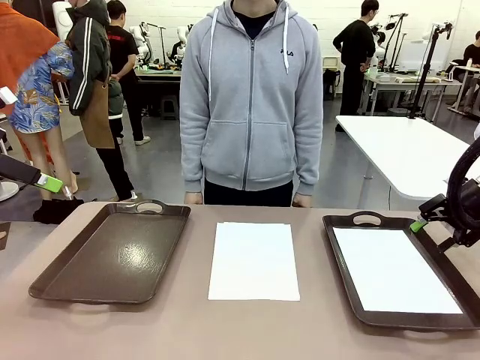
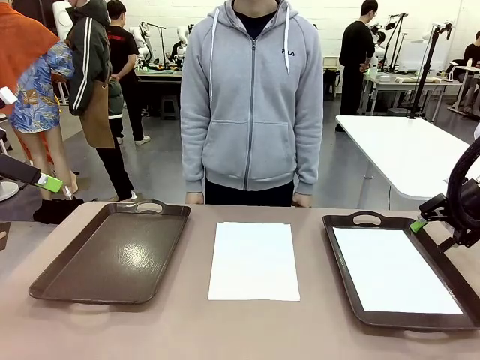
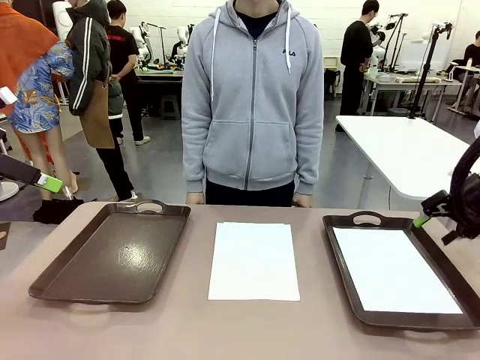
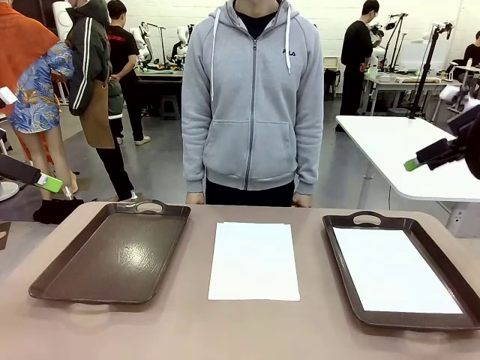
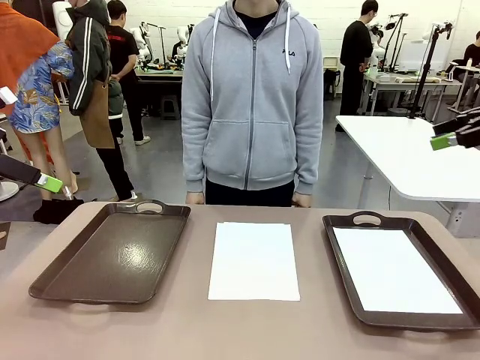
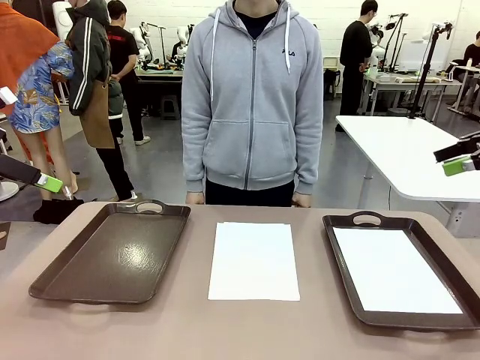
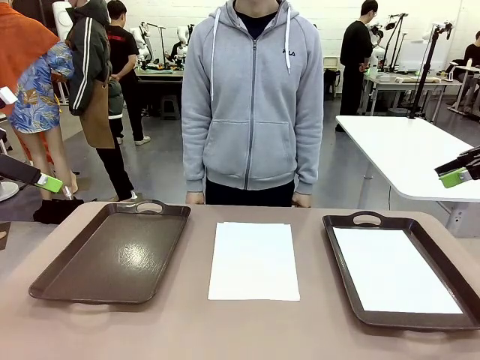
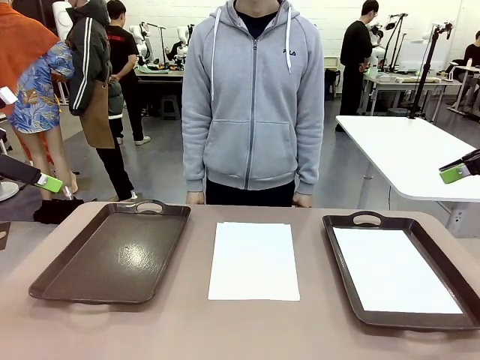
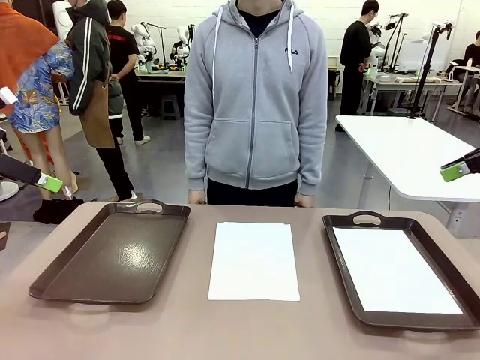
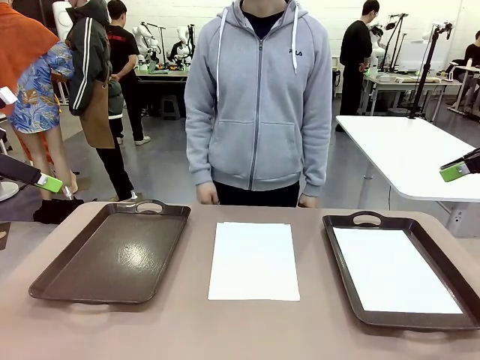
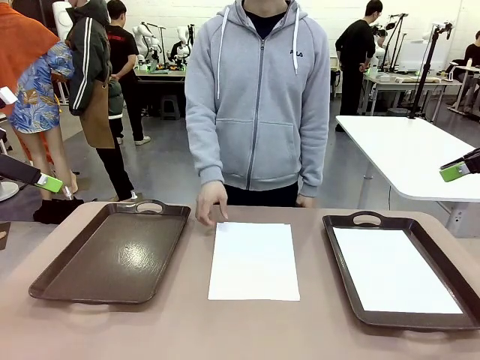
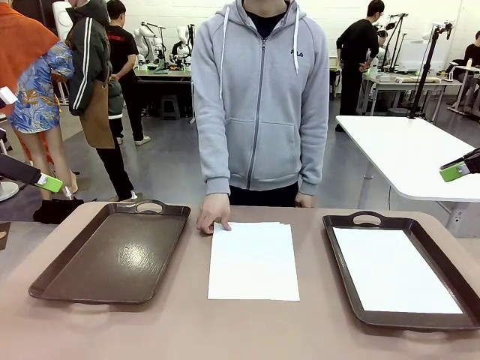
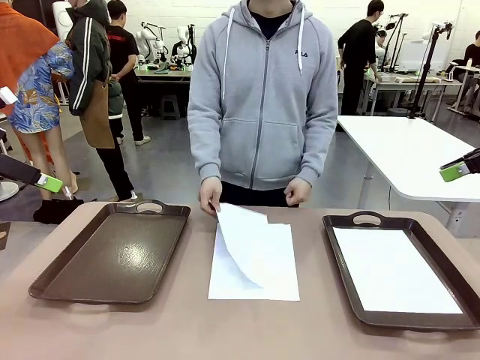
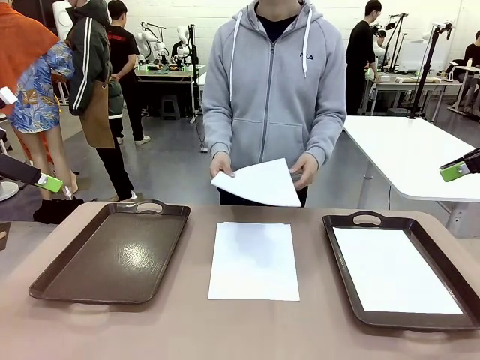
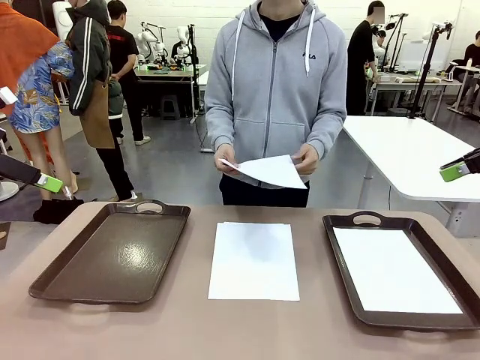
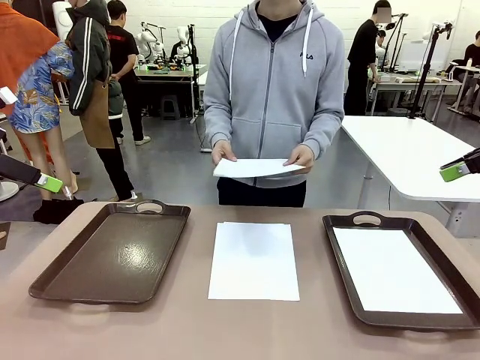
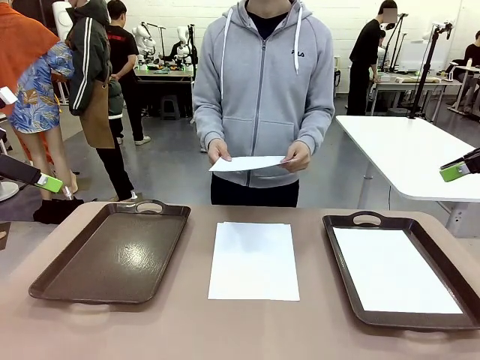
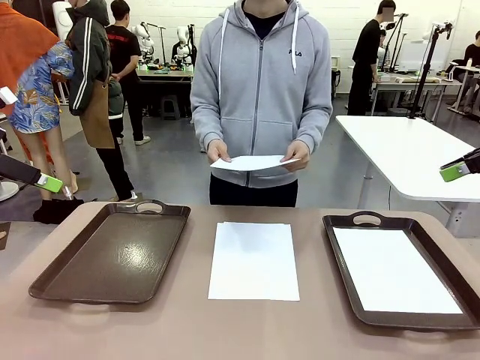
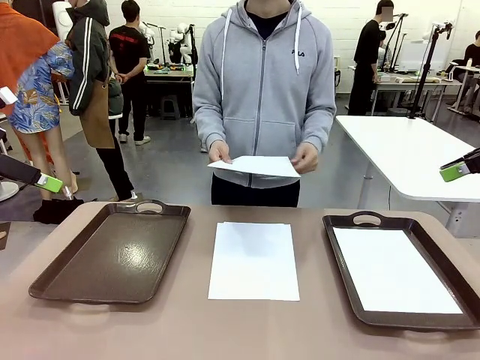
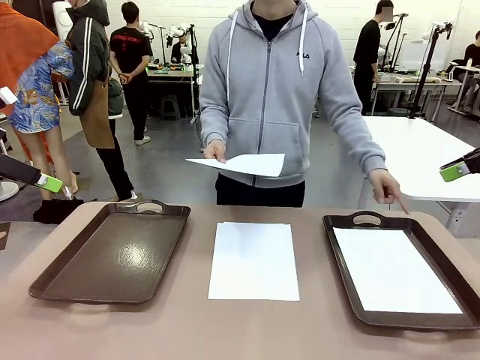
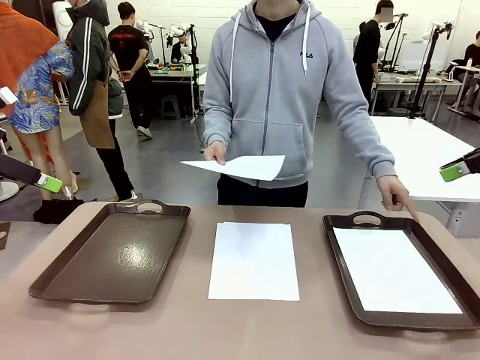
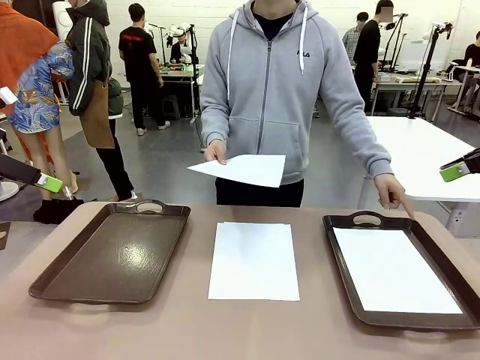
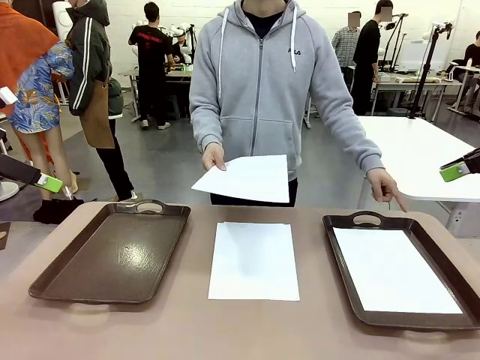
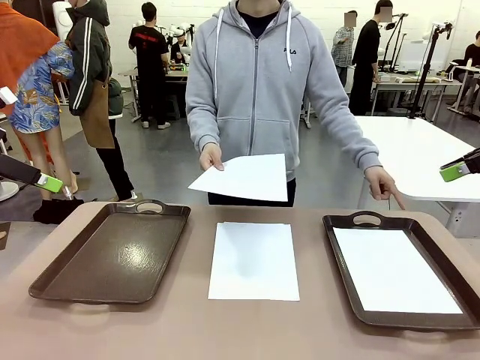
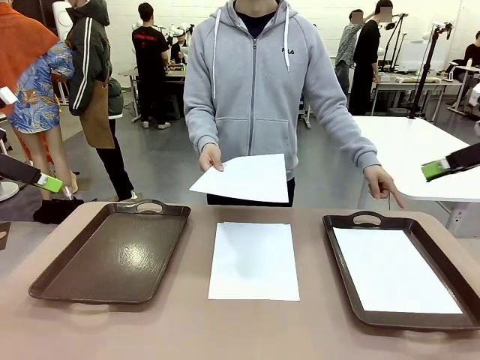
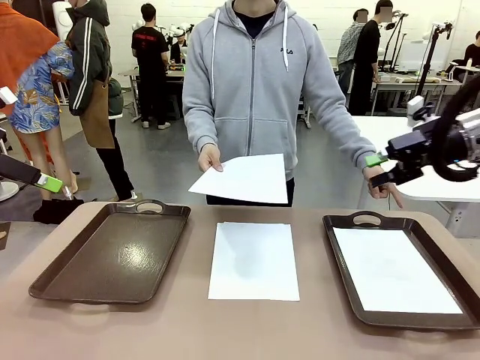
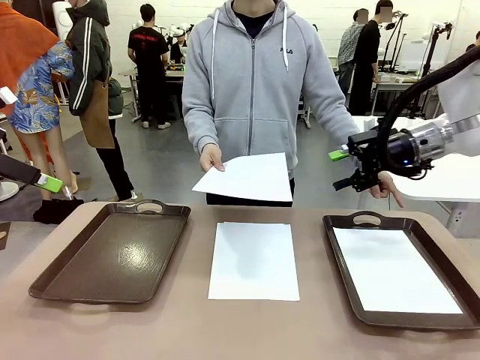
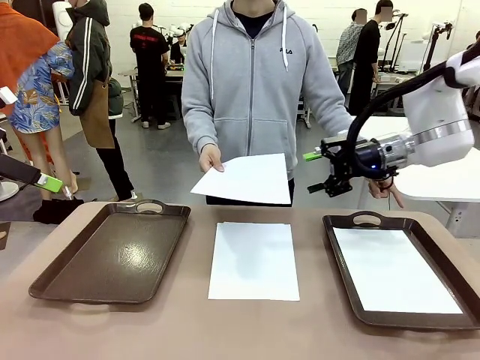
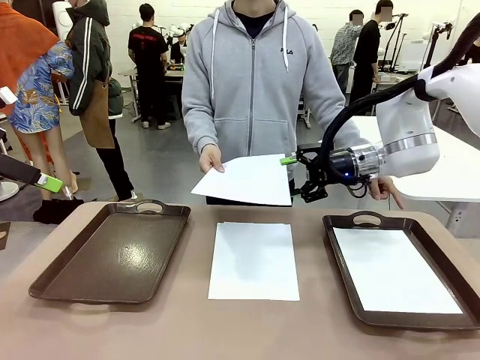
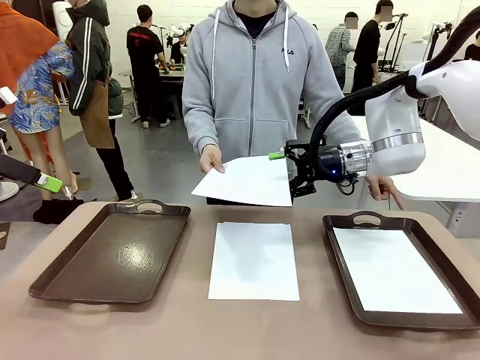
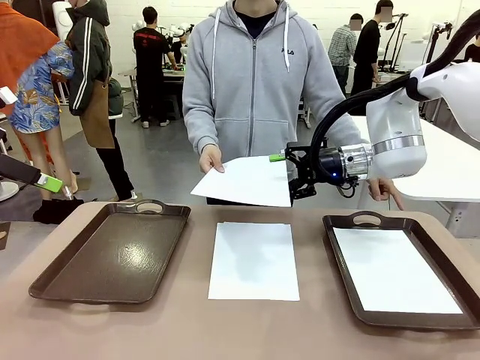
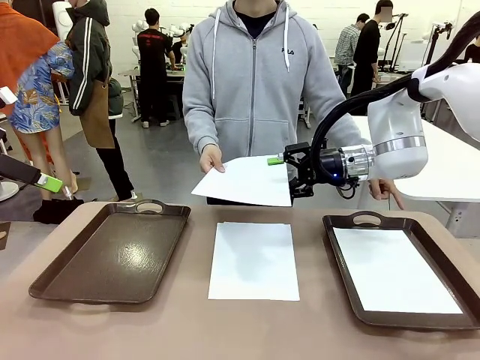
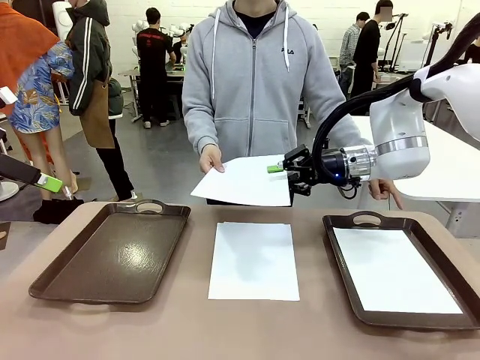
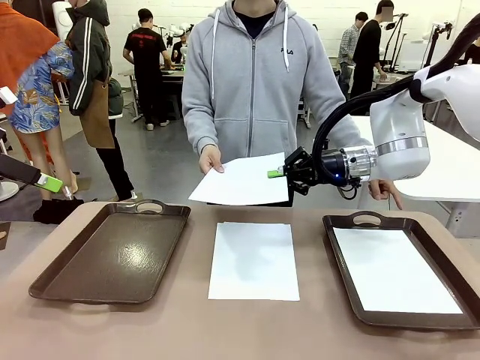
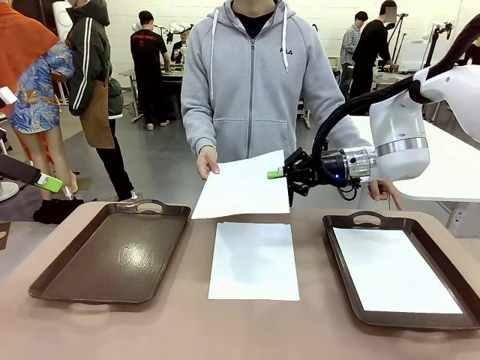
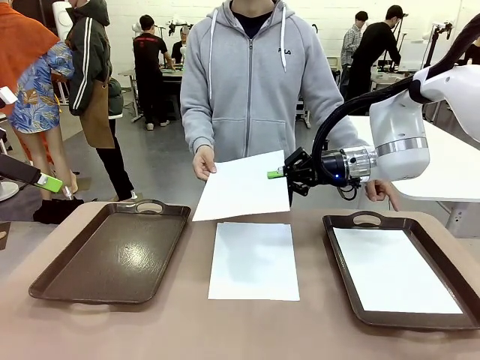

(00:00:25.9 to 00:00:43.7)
Task: Sort the A4 documents.
Robot: Receive the A4 Paper.
Person: Point the randomly selected tray with the other hand.

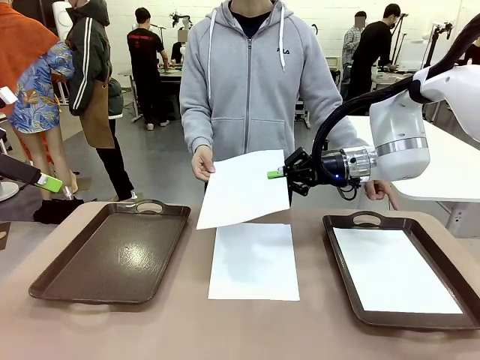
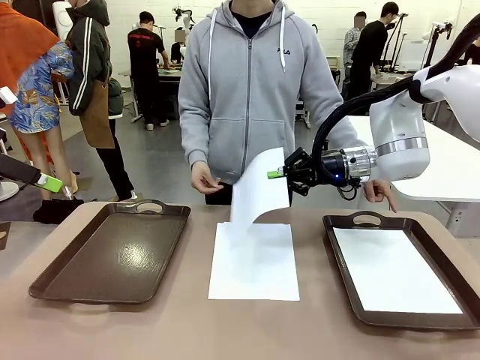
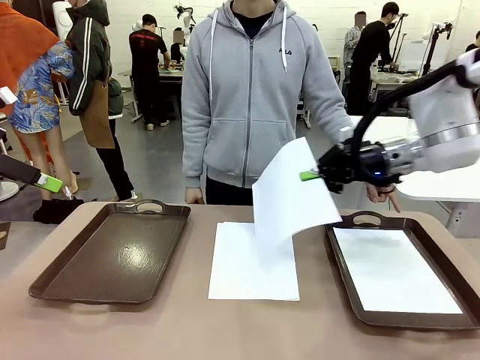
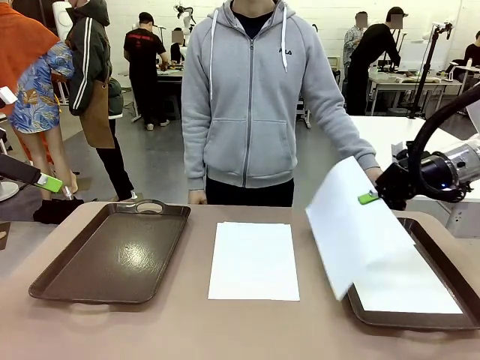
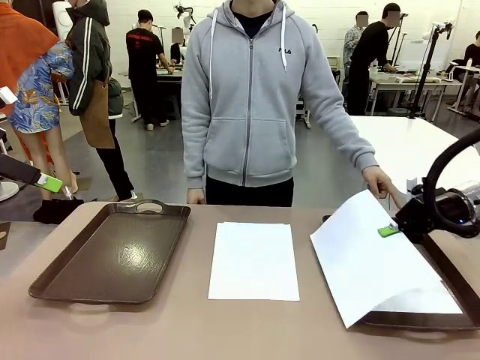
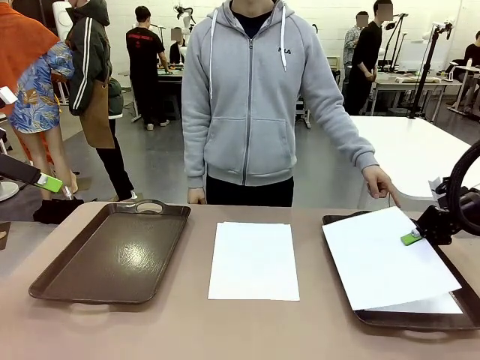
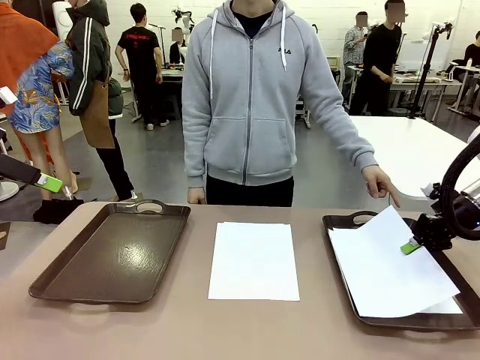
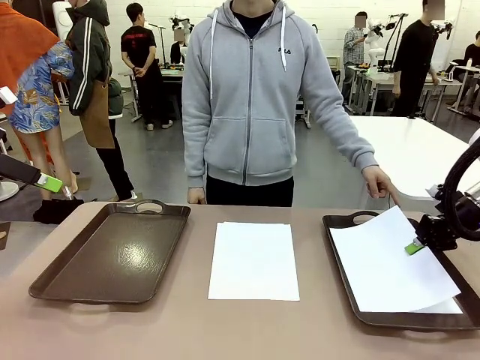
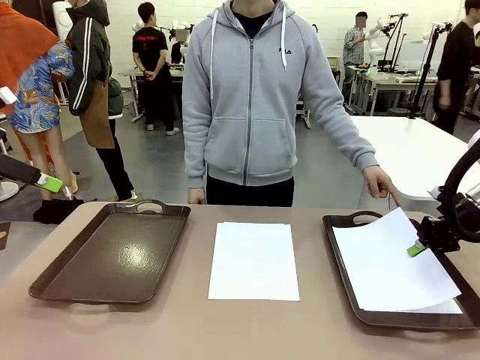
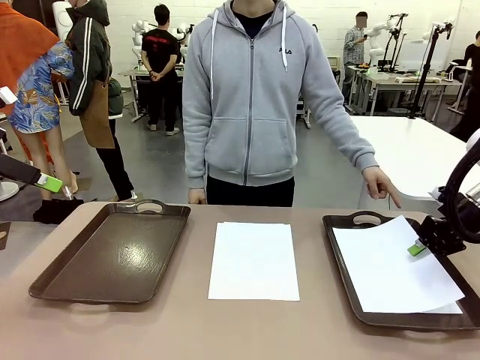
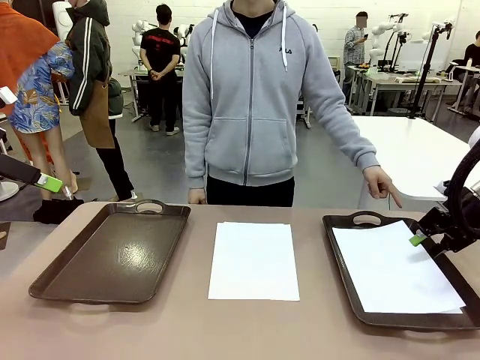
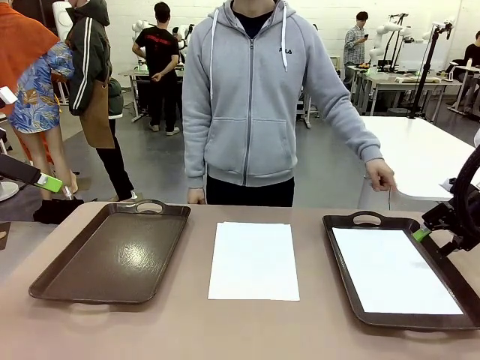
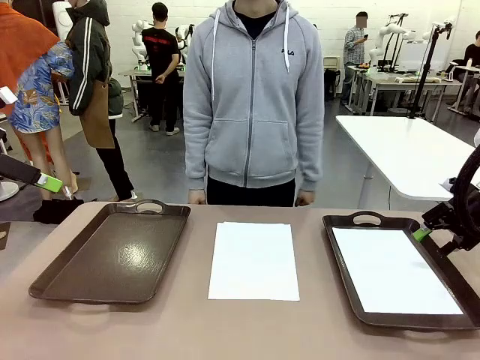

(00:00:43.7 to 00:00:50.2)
Robot: Place the A4 Paper in the designated Handle tray.
